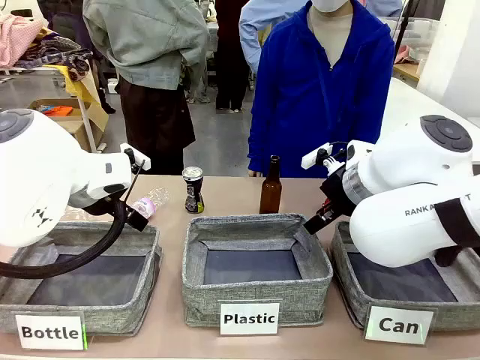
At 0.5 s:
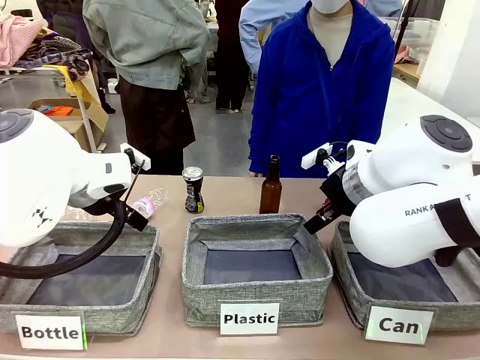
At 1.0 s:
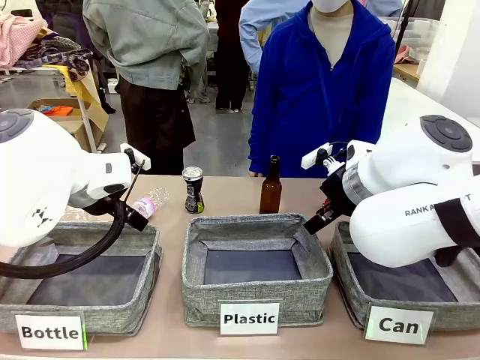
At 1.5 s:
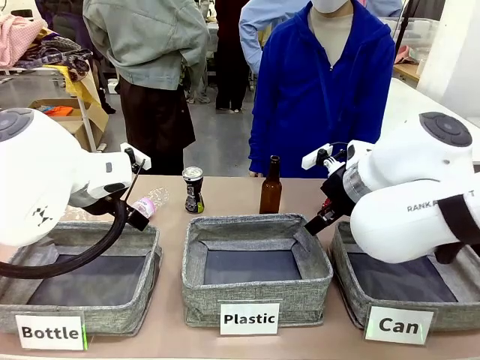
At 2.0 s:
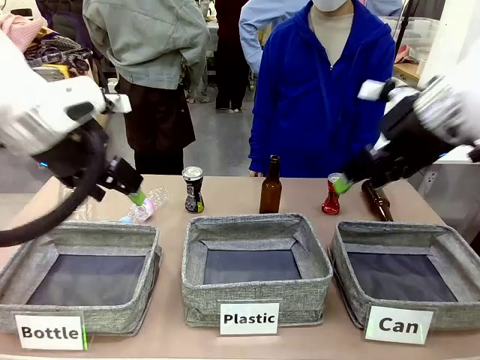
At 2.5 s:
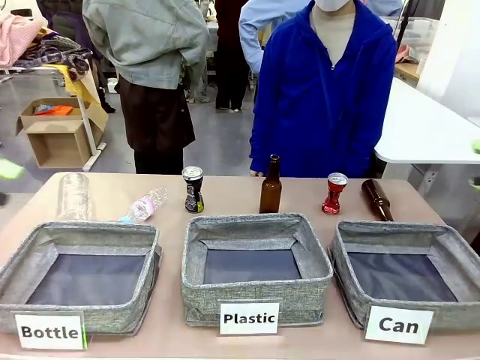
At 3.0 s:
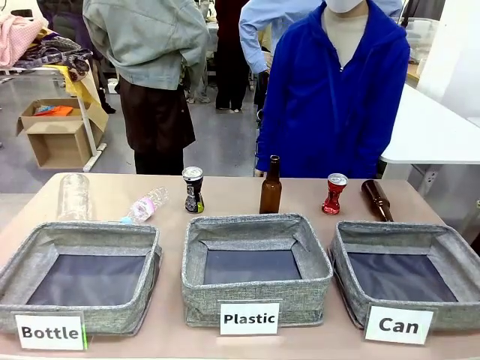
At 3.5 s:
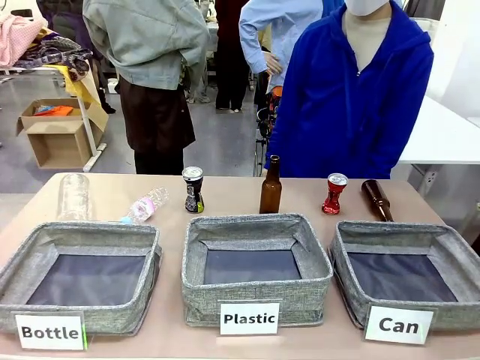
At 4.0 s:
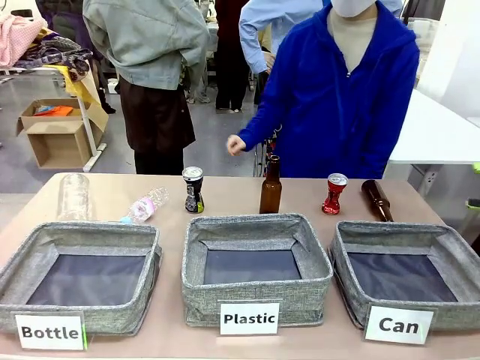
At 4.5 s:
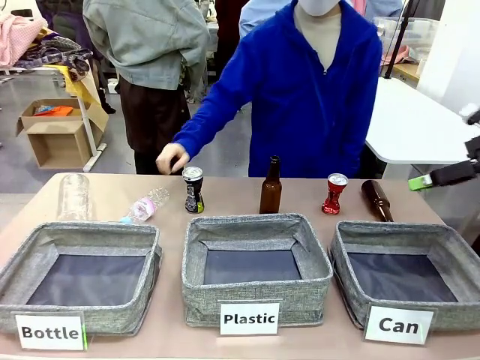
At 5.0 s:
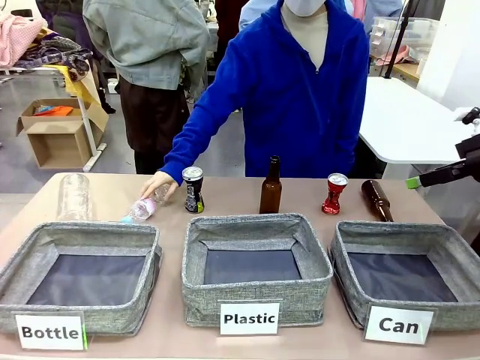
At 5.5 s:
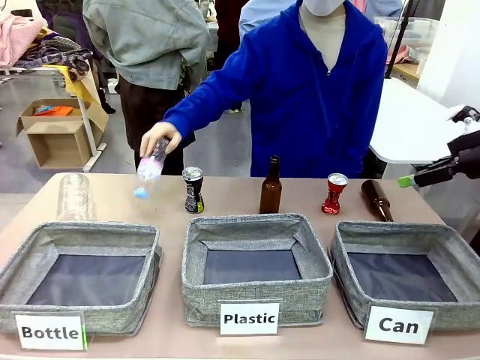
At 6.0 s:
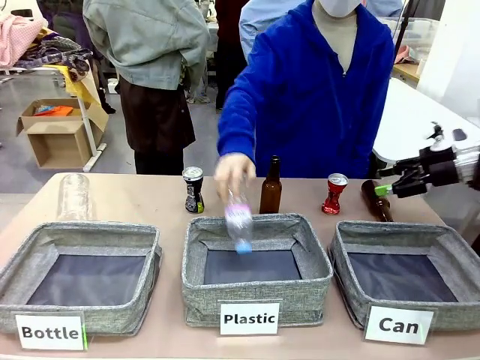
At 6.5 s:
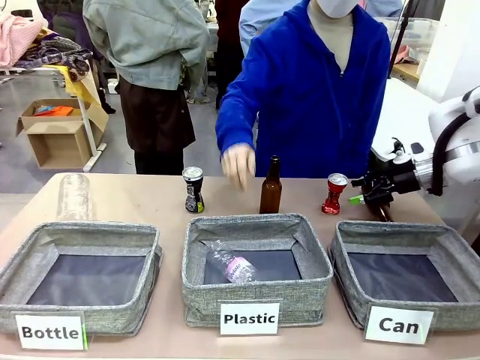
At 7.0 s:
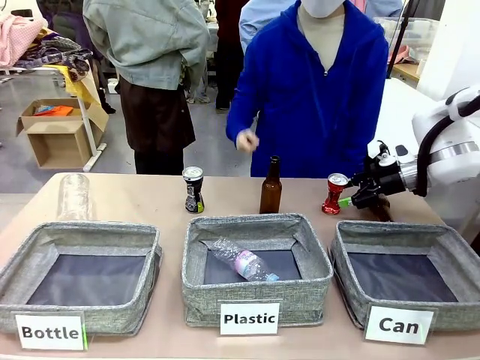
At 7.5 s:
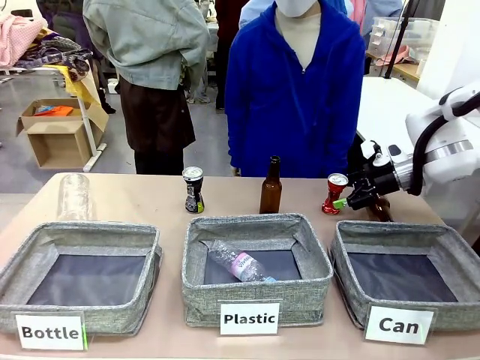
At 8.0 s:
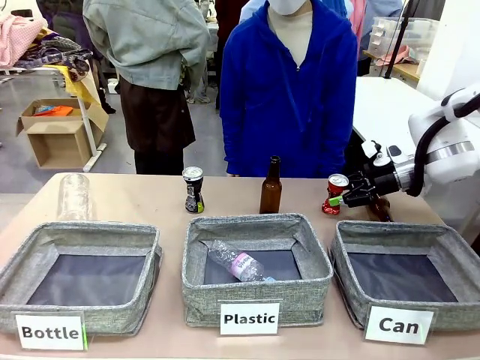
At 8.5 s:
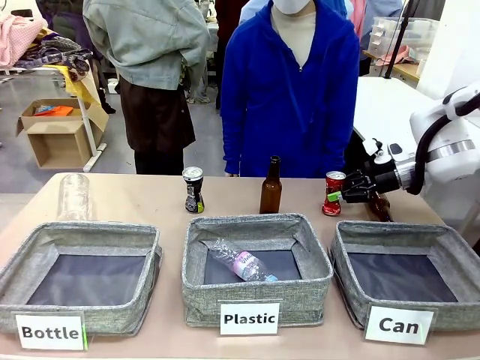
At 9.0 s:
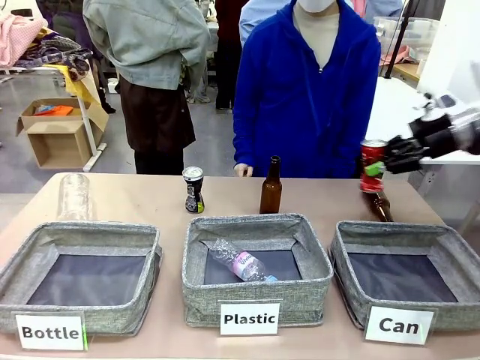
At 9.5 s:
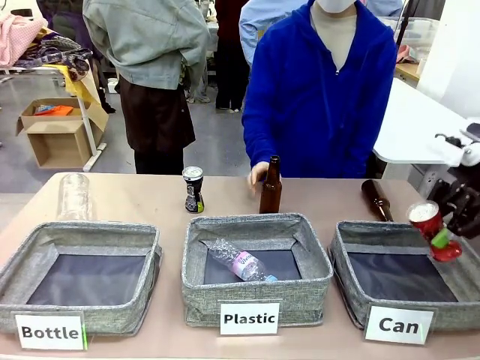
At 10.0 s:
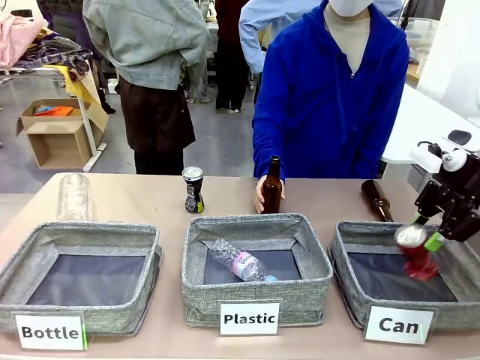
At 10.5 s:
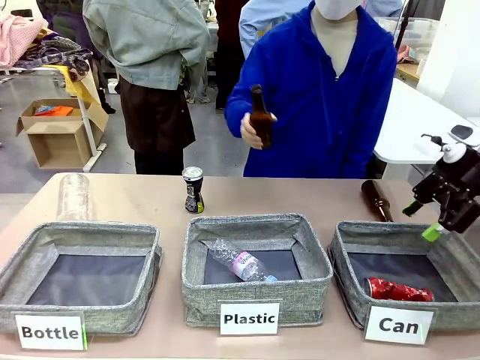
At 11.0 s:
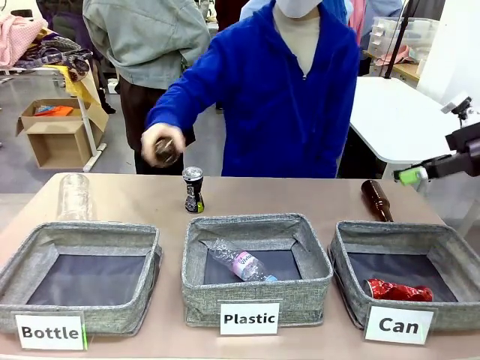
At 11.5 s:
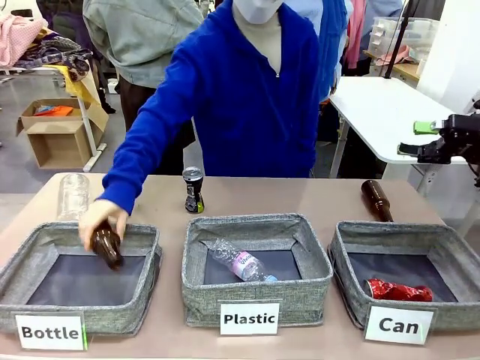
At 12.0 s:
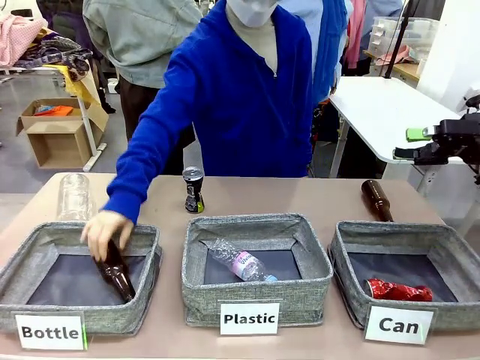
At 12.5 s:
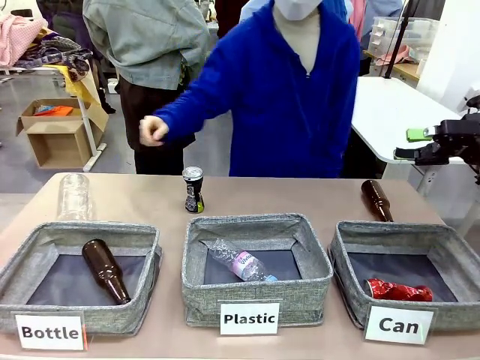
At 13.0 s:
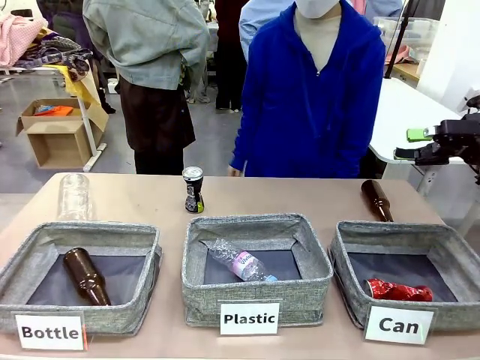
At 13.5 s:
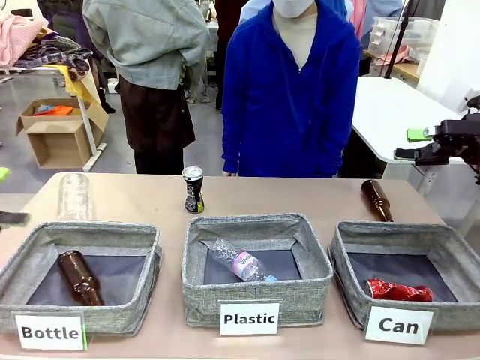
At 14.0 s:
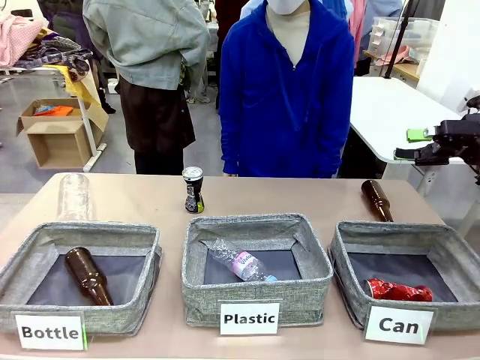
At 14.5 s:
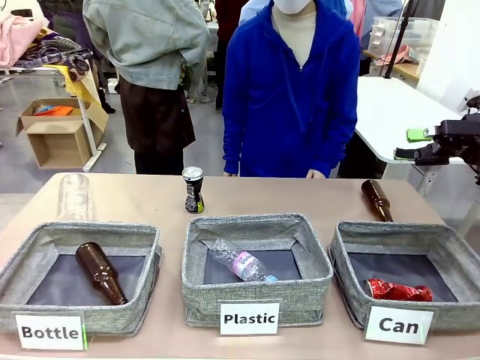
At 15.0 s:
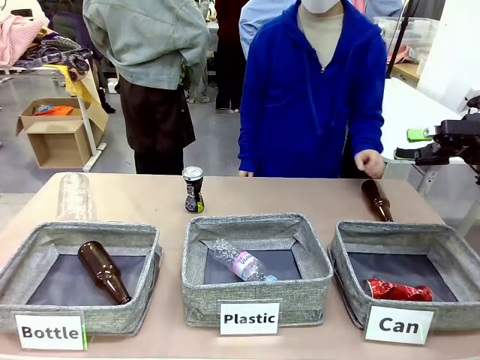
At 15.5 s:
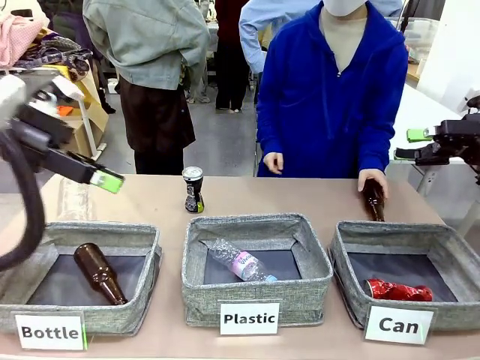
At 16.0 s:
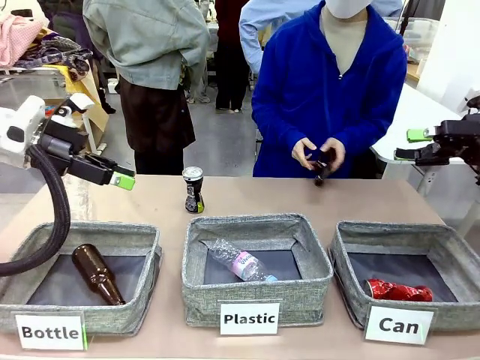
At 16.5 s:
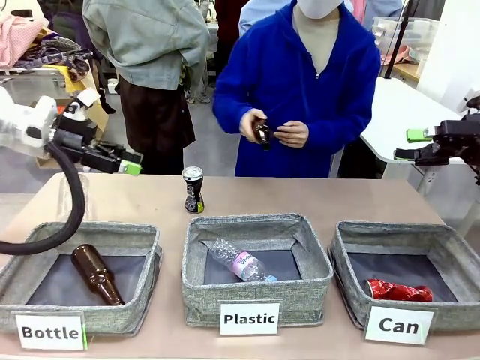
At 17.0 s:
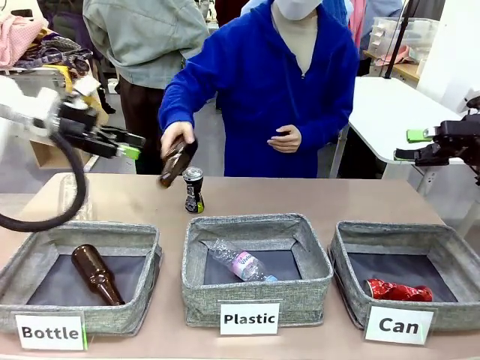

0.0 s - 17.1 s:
Task: Sort the can waste into the basket.
Robot: Pick up the can waste from the table and place it in the right Fabric basket.
